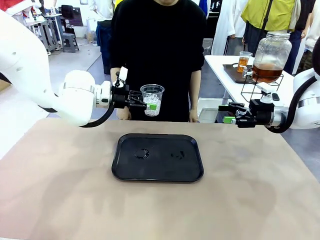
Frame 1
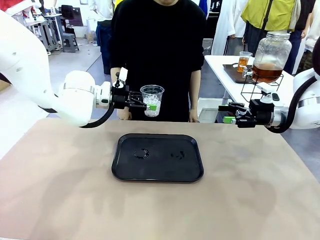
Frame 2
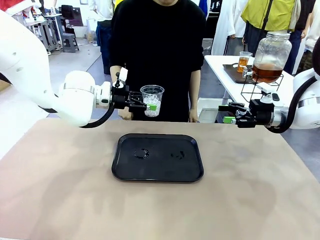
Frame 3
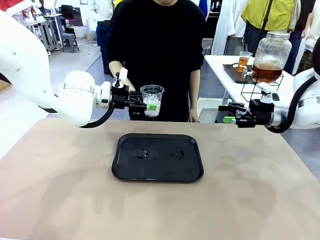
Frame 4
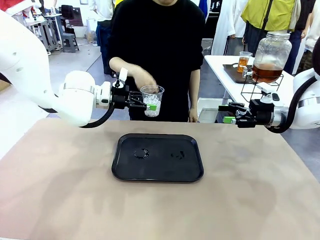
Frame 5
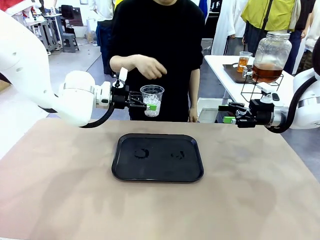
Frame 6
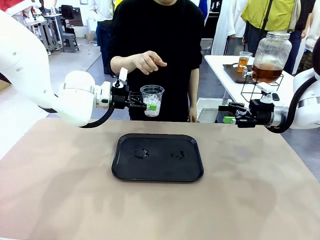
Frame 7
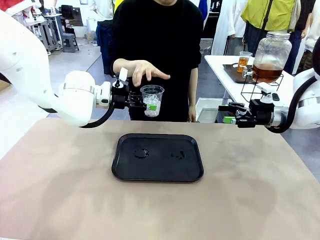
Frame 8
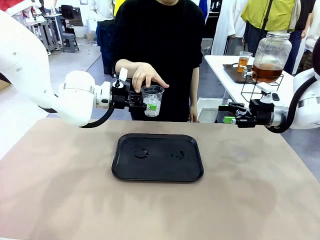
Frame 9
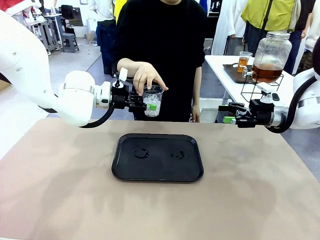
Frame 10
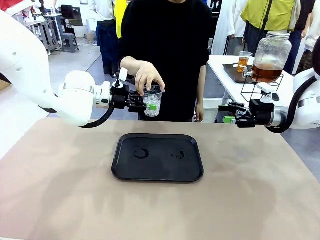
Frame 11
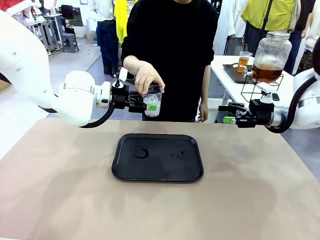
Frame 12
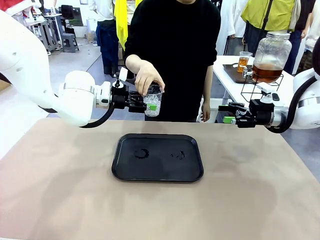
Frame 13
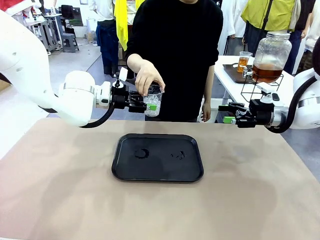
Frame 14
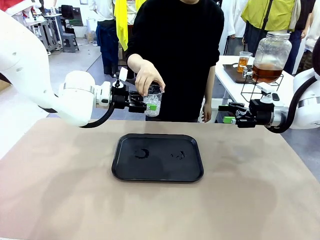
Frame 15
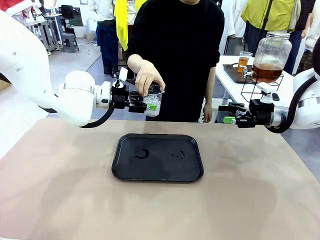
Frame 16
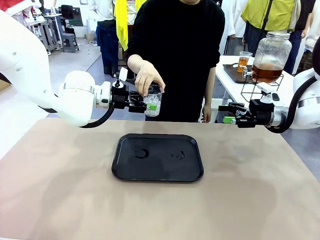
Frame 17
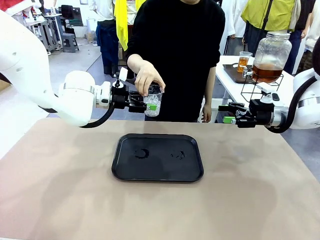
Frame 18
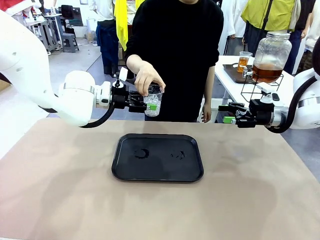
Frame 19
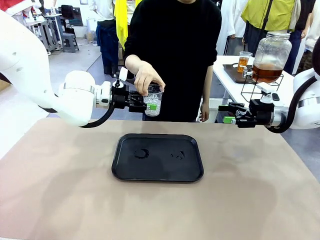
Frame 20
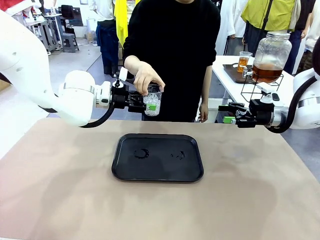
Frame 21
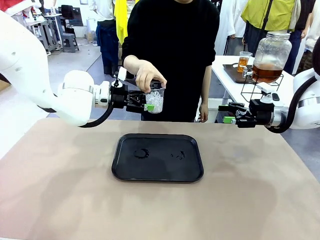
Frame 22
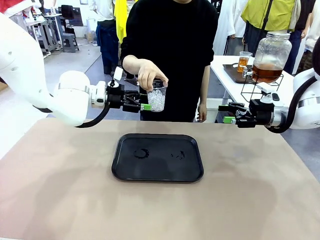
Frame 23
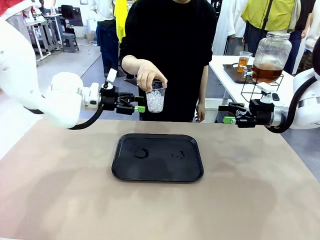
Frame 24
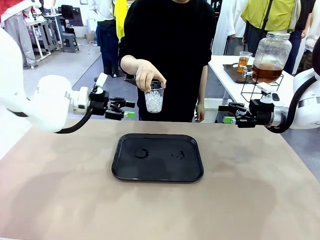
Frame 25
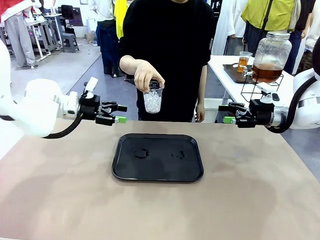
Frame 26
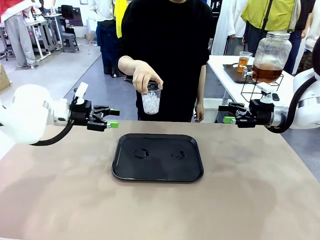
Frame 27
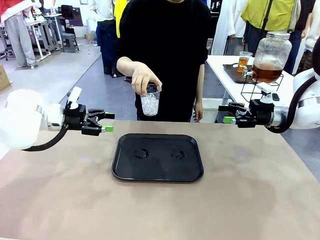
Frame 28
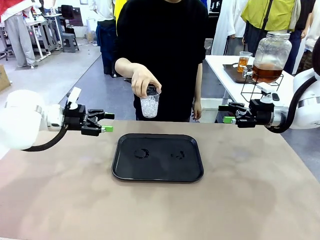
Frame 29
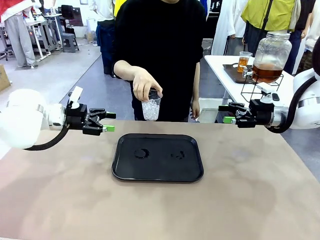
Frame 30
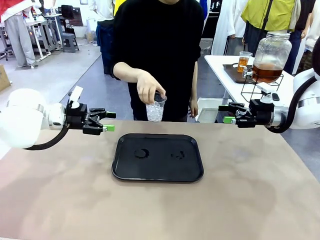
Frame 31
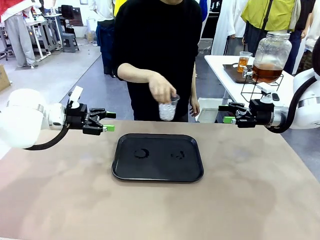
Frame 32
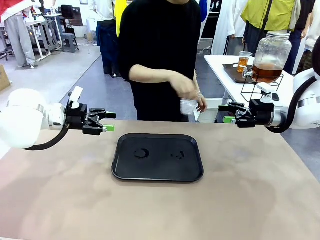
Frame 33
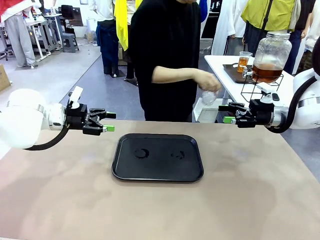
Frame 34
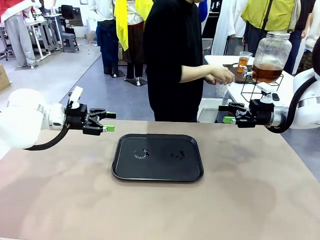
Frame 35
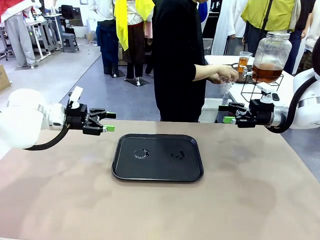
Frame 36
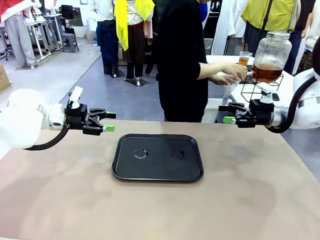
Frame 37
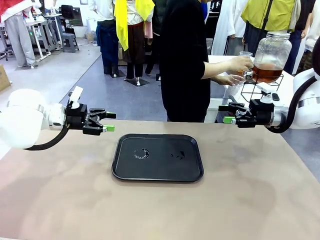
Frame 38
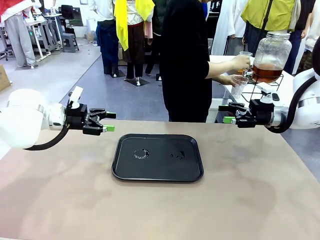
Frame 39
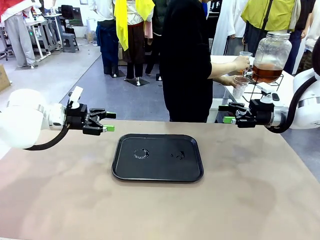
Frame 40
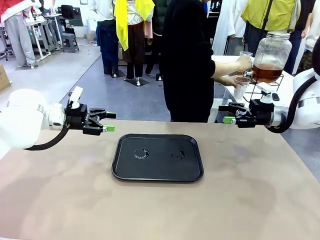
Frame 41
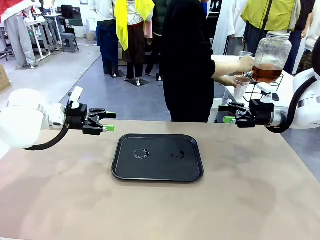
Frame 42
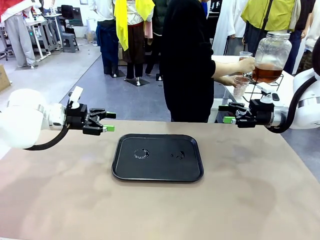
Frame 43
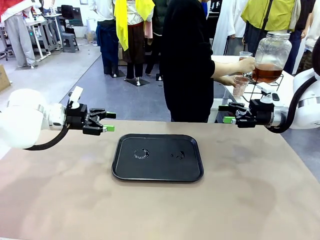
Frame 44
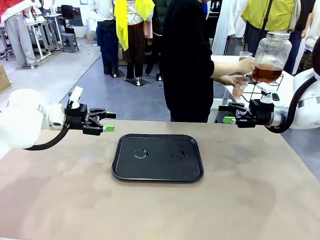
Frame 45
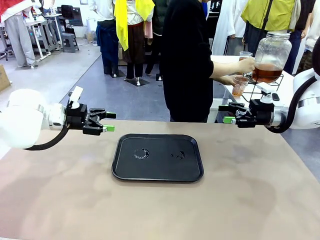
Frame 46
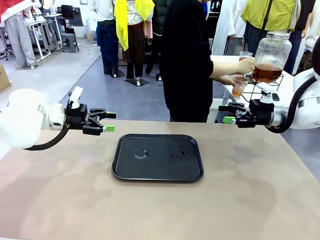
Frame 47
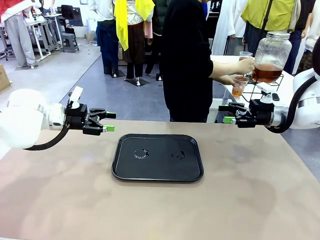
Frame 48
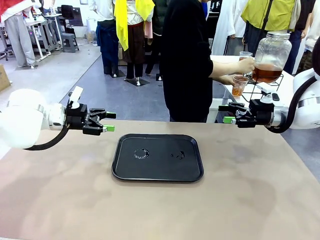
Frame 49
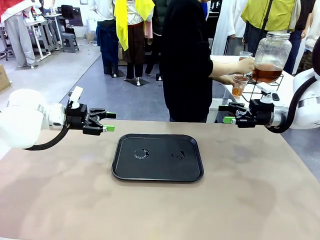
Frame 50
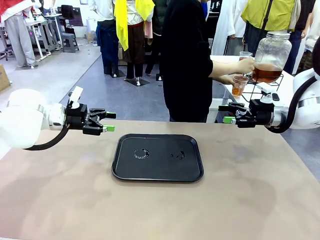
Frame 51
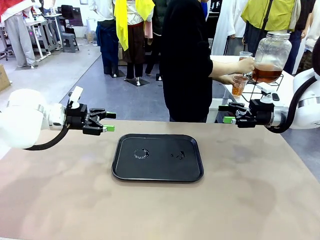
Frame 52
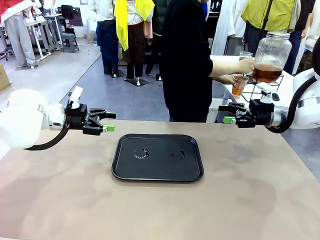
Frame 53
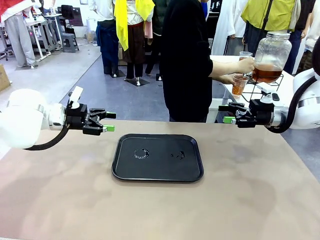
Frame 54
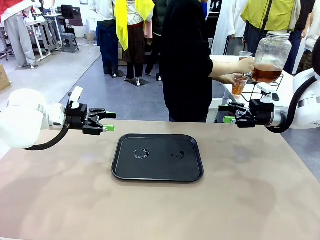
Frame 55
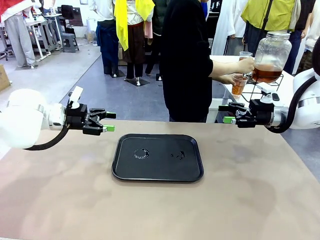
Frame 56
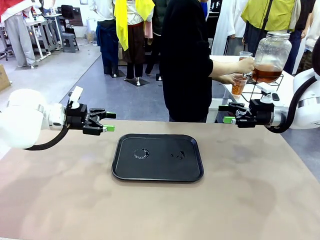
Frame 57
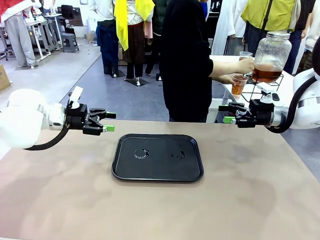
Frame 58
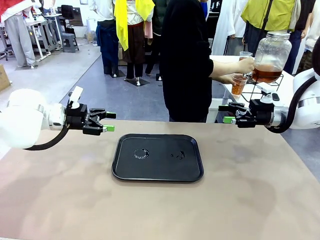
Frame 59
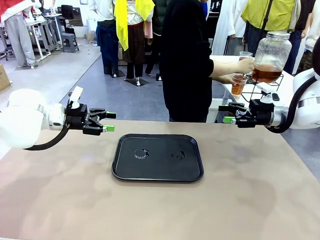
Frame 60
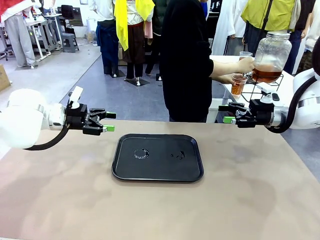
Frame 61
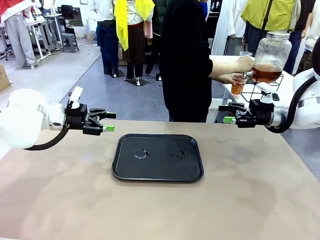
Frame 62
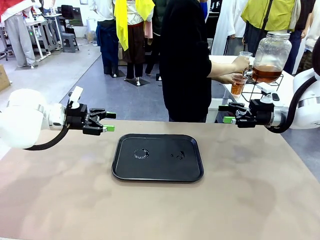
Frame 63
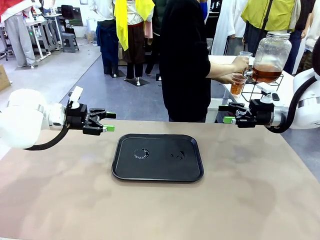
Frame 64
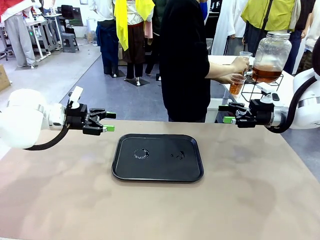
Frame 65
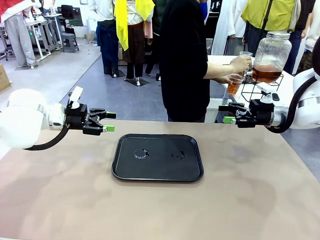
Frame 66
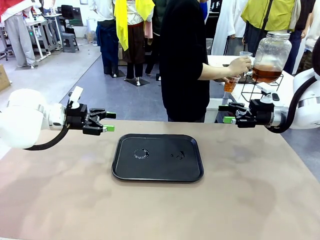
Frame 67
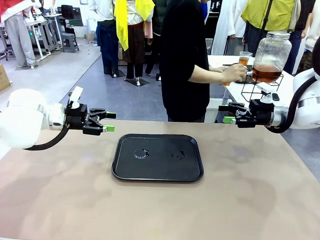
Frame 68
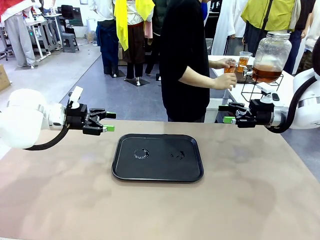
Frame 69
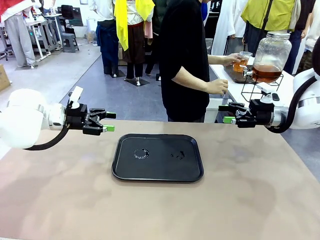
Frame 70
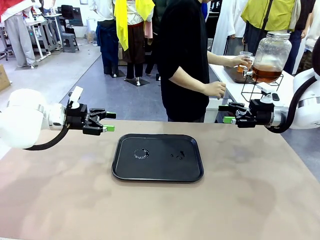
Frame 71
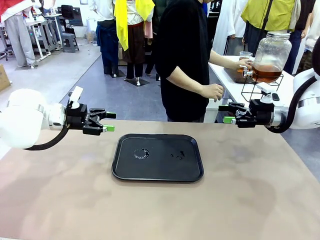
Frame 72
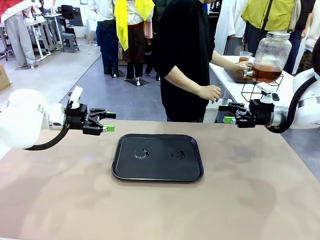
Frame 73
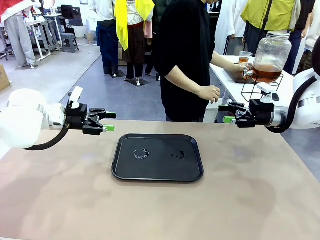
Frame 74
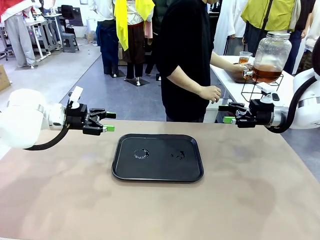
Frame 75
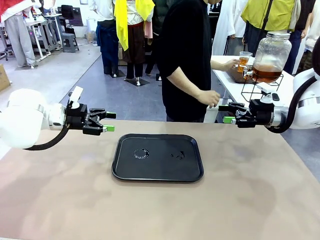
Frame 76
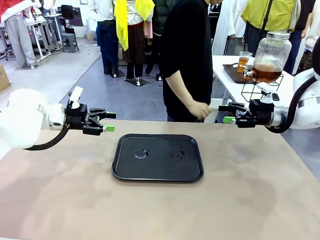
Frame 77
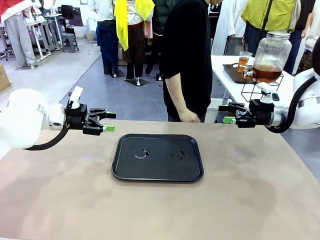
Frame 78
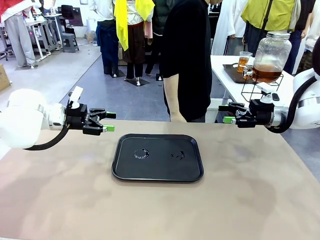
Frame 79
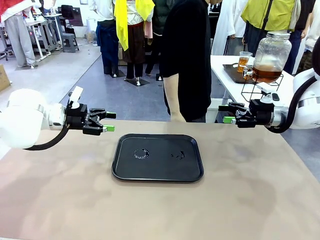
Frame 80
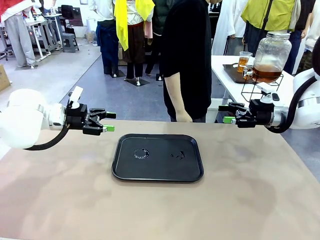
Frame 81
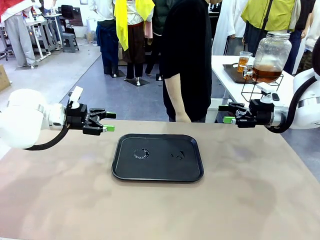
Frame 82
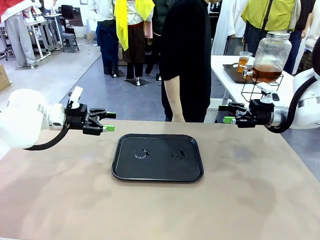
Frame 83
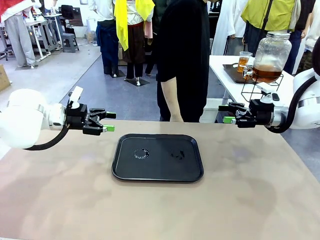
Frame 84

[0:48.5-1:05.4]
Task: Pour the drink into the iced cup.
Robot: Open the gripper to release the iced cup you were holding.
Person: Move the picked-up cup under the dispenser faucet, pour the drink, and place it on the tray on the human table.
